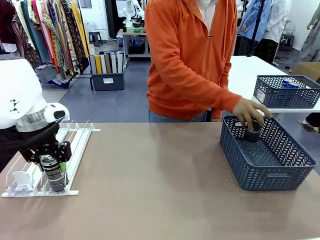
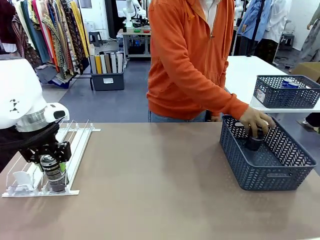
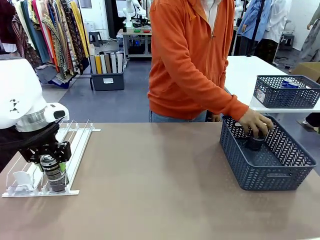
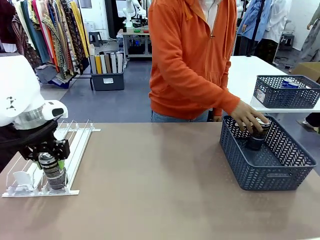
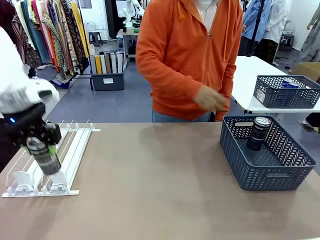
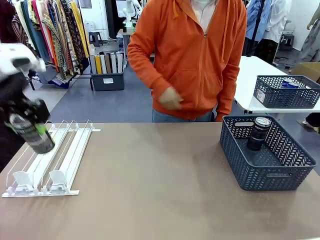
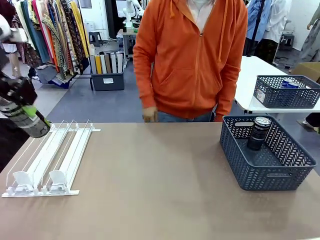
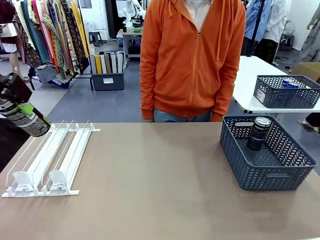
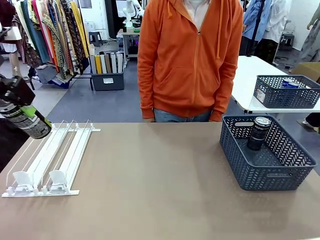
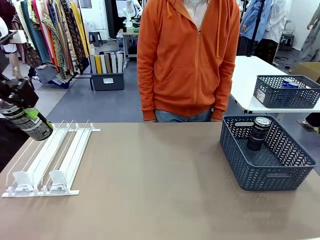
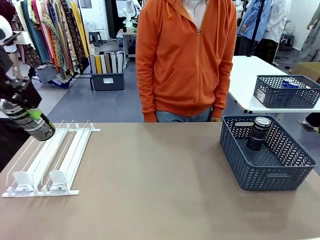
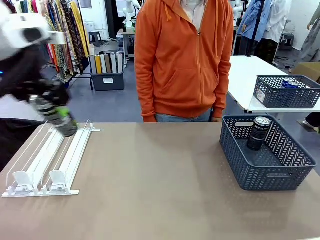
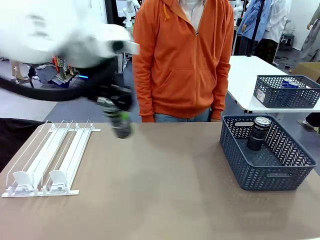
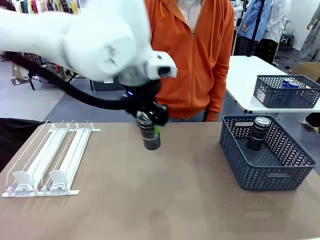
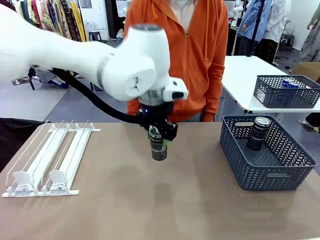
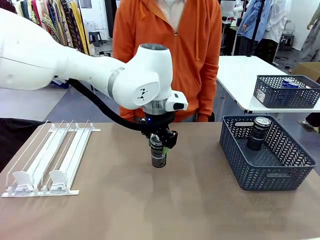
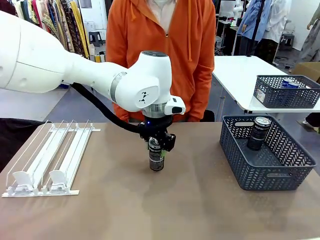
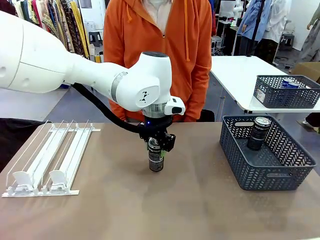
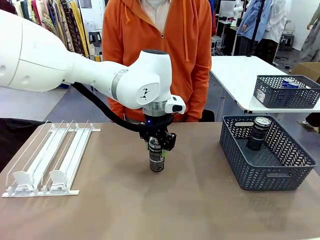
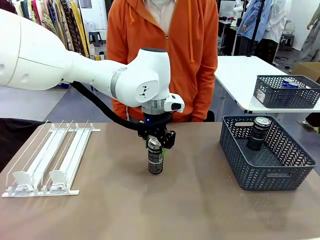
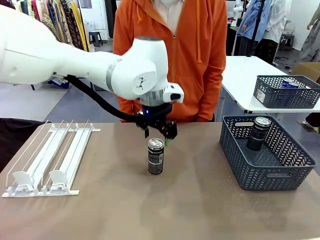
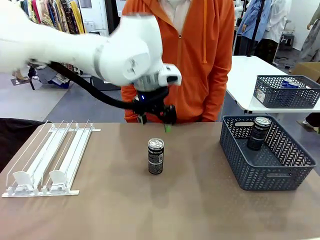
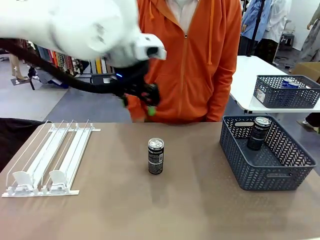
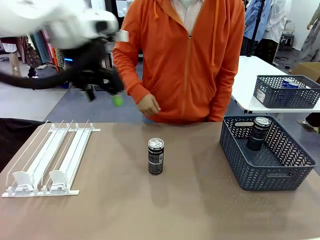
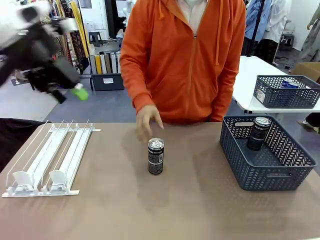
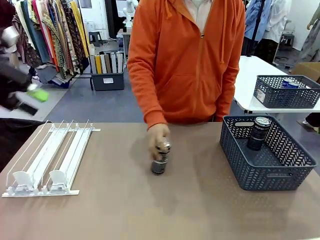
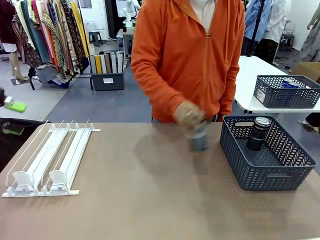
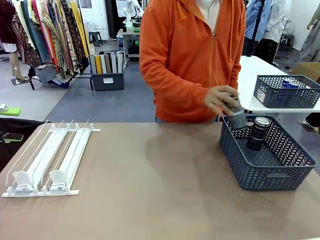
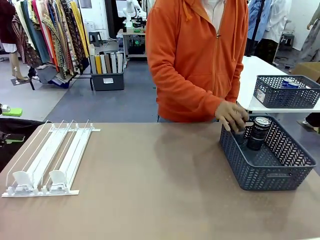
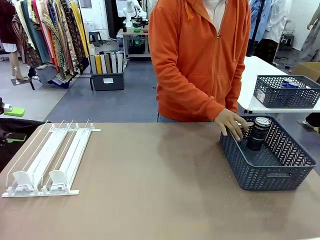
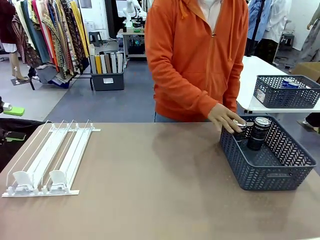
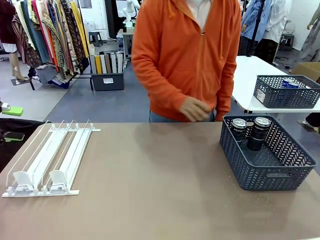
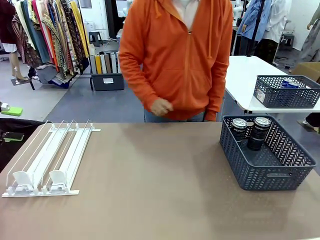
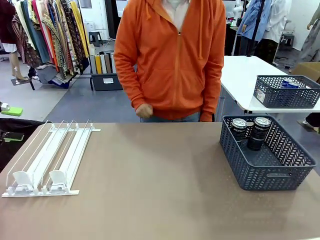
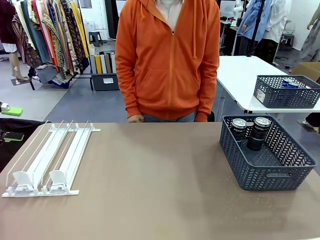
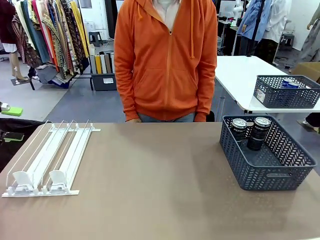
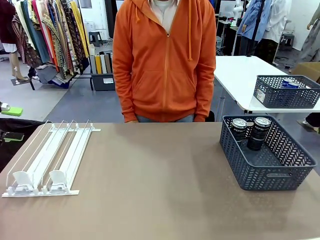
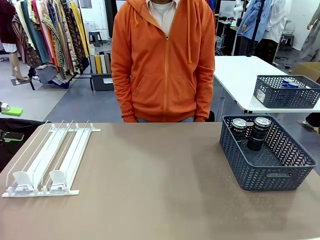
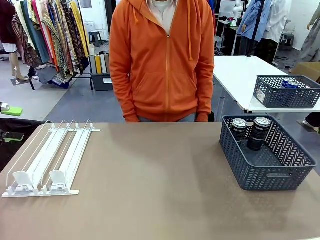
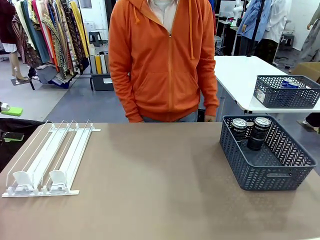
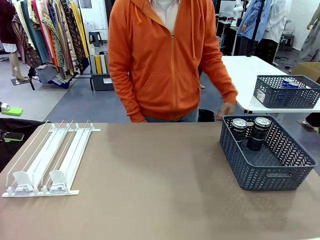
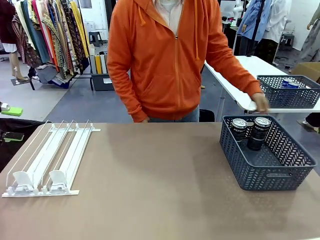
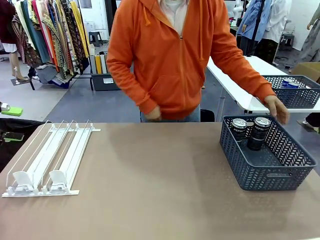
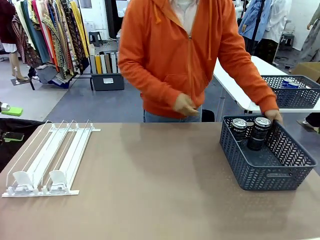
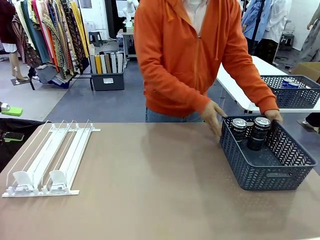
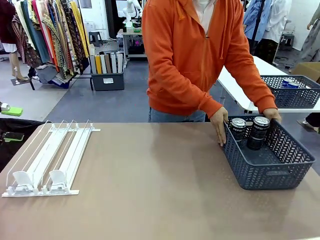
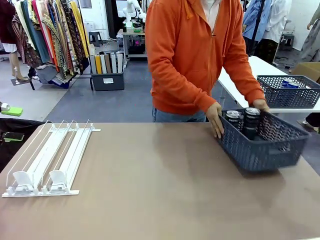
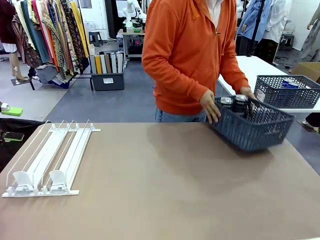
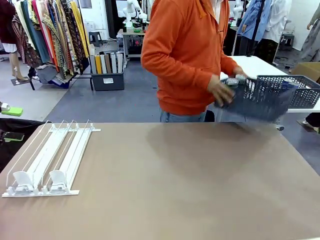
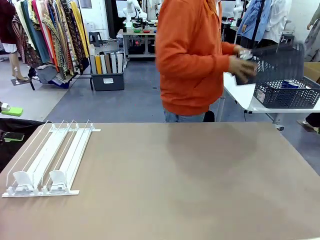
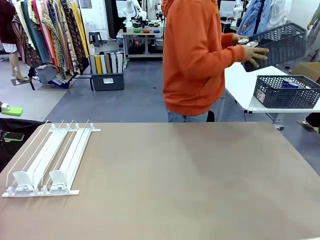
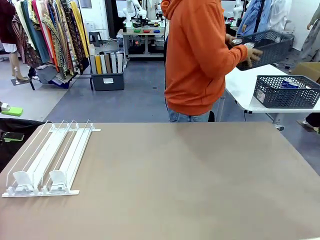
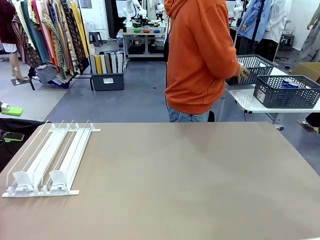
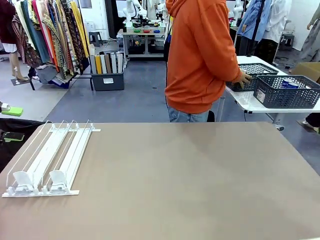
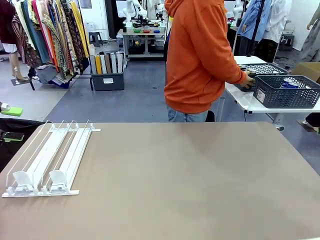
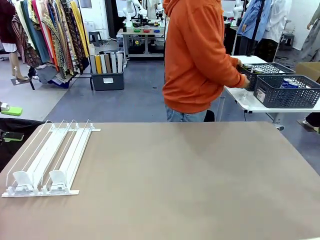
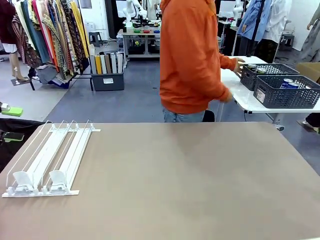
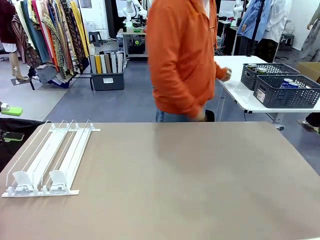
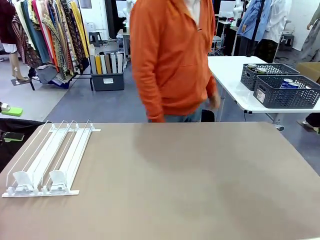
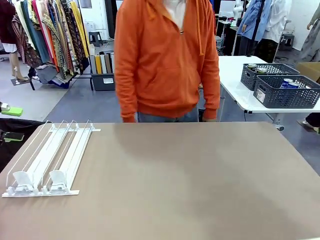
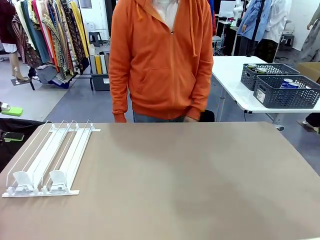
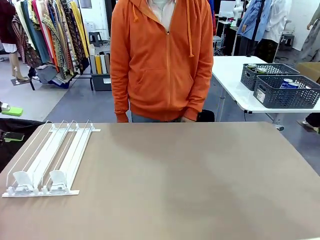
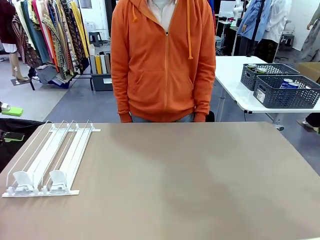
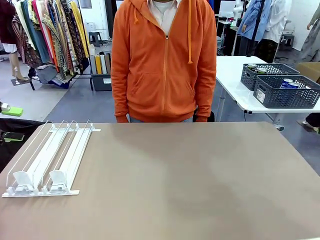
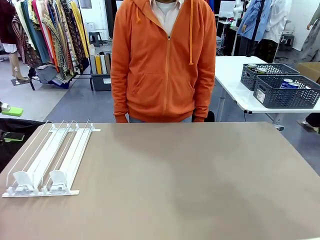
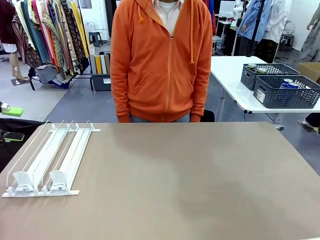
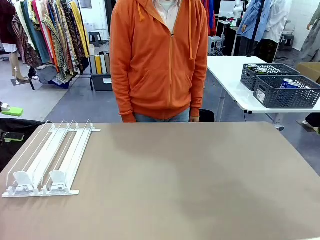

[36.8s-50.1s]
Task: Retrieve and store the cans from the dispenser.
Robot: Pick up one can from the Automatic Can Dispenser and place it in the middle of the table.
Person: Pick up one sports drink can from the middle of the robot table and place it in the basket. Pick up the basket and place it in the middle of the human table.

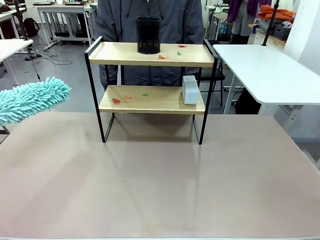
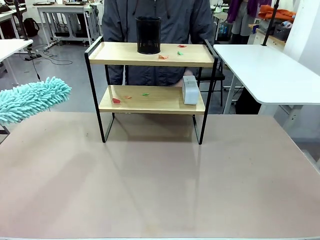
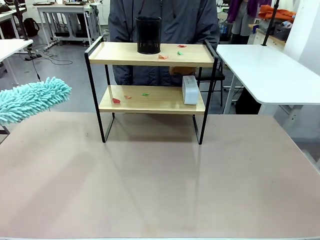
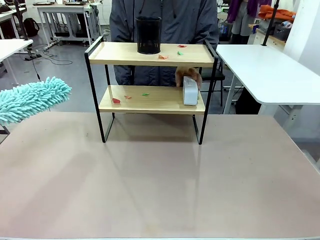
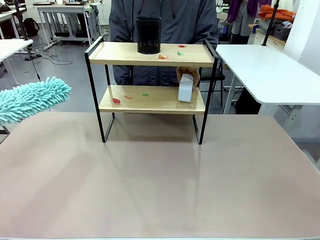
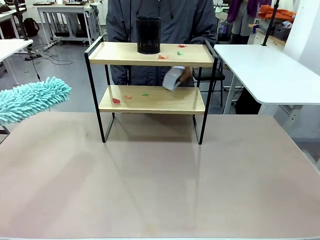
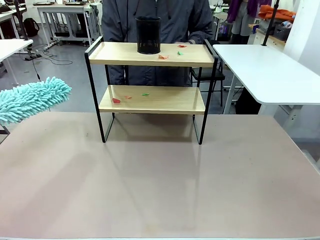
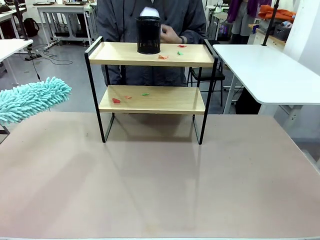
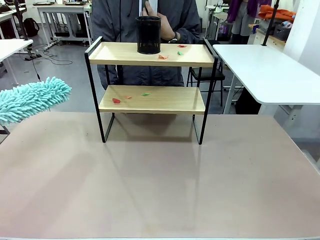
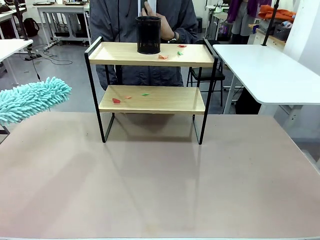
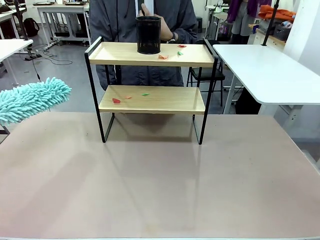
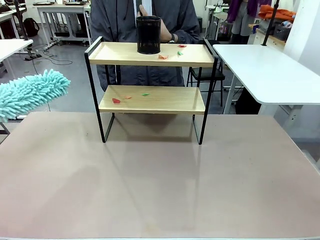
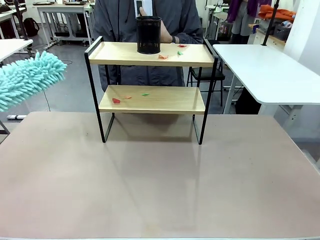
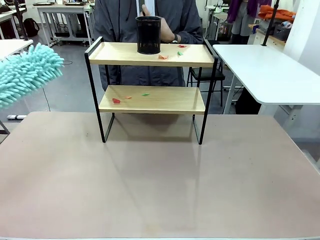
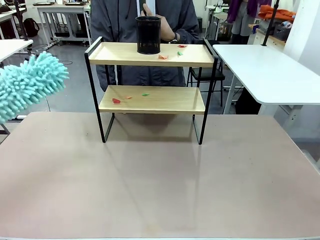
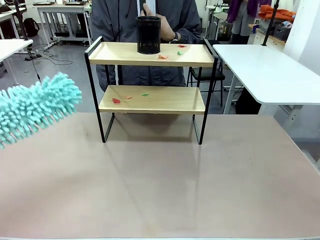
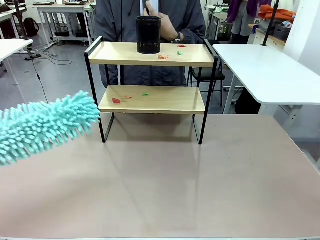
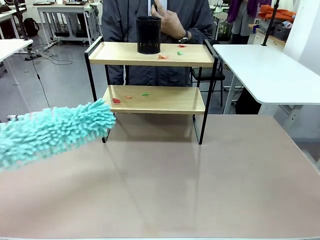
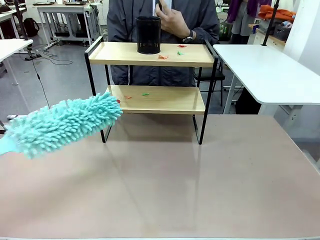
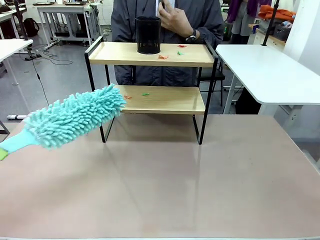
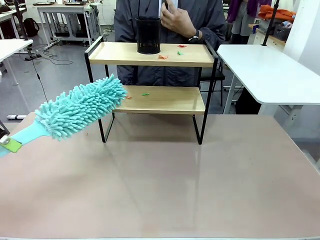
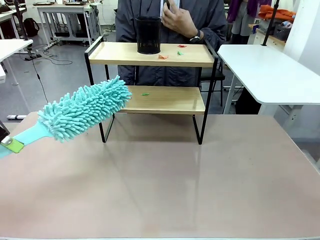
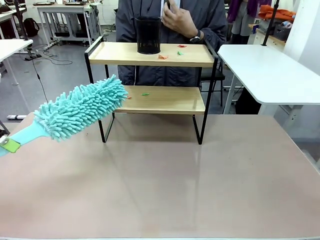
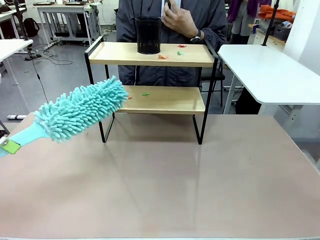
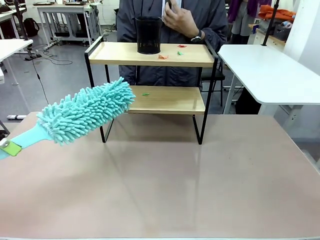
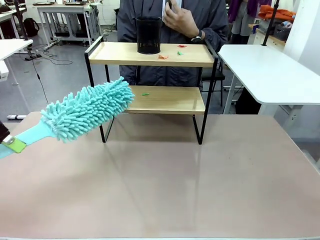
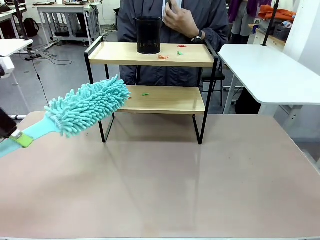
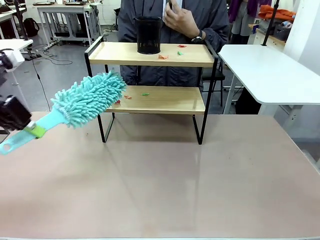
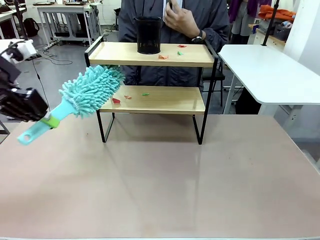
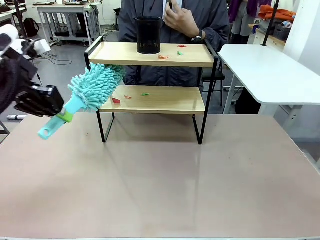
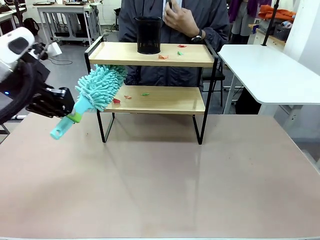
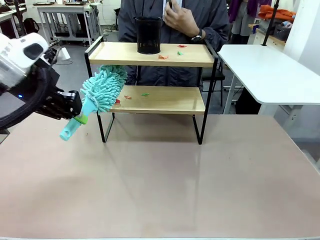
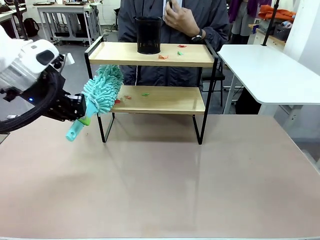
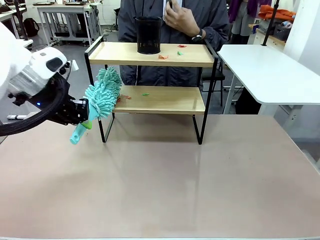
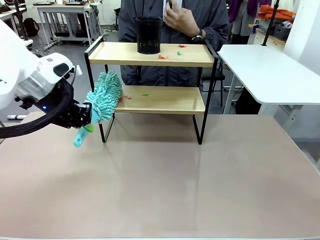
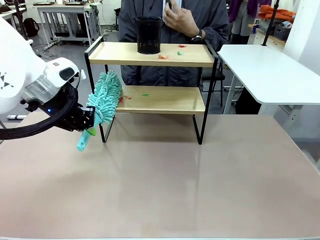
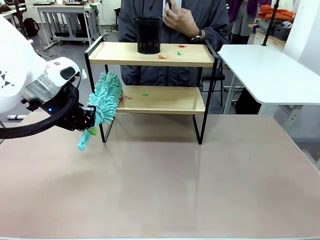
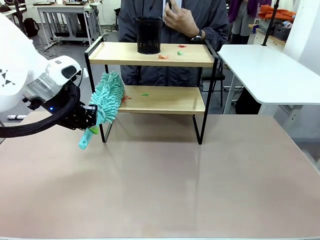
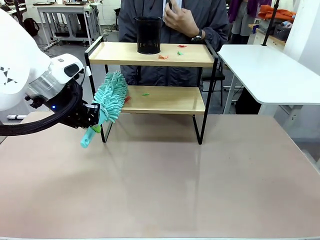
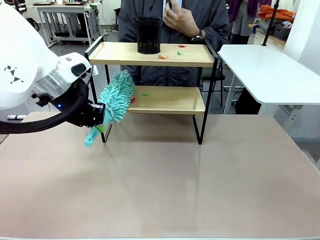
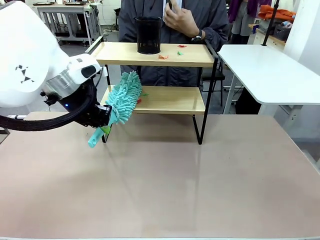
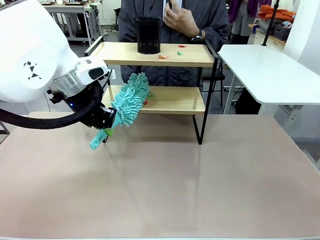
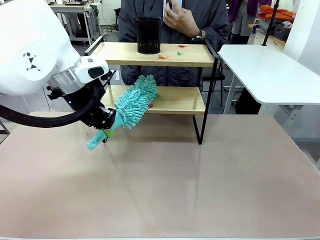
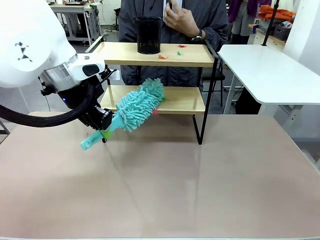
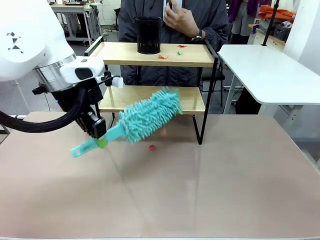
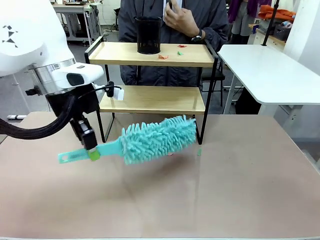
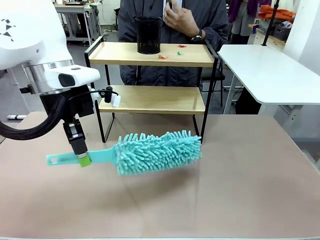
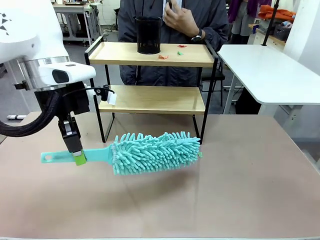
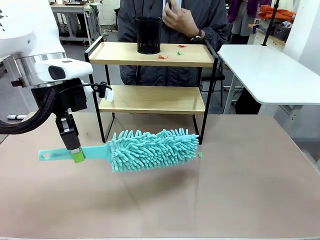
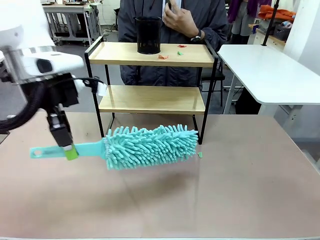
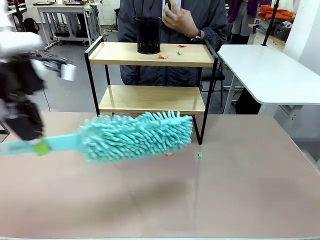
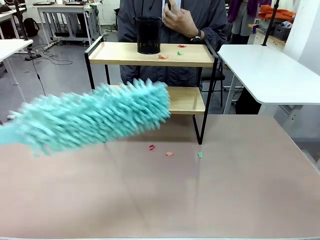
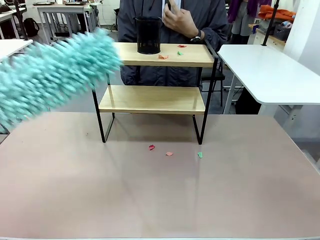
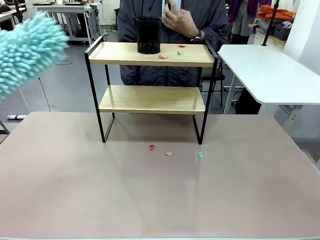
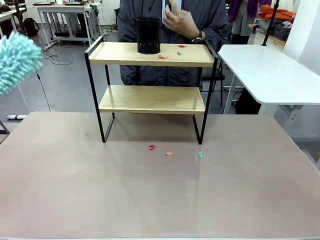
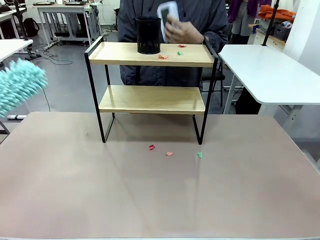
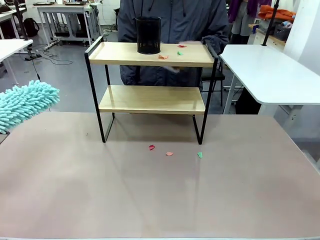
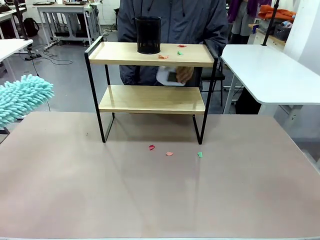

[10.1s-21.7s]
Task: Clean the shelf.
Robot: Clean the specific tier of the Shelf with the Duster once objects are removed.
Person: Lift the objects on a randomly selected tier of the Shelf. Once the robot finishes cleaning, lift the objects on the remaining tiers of the Shelf.
